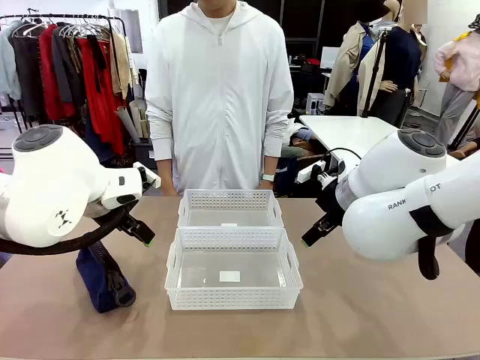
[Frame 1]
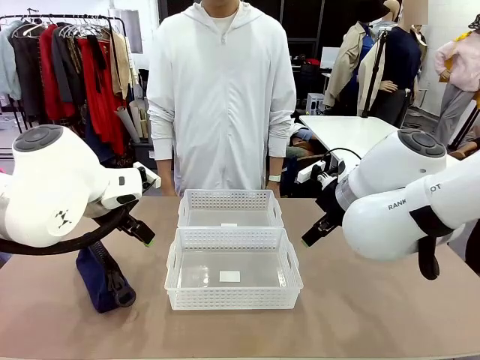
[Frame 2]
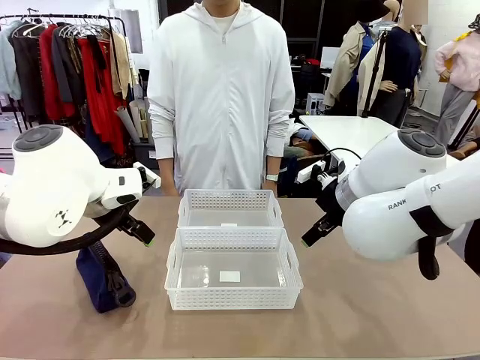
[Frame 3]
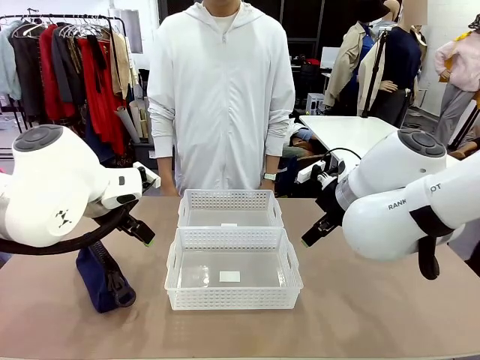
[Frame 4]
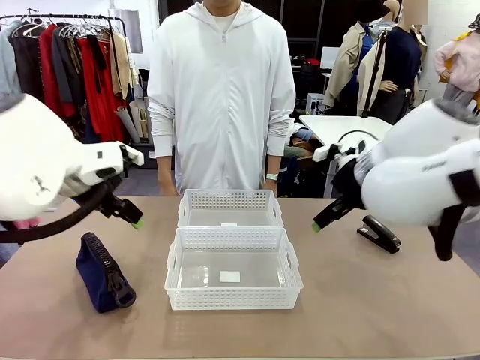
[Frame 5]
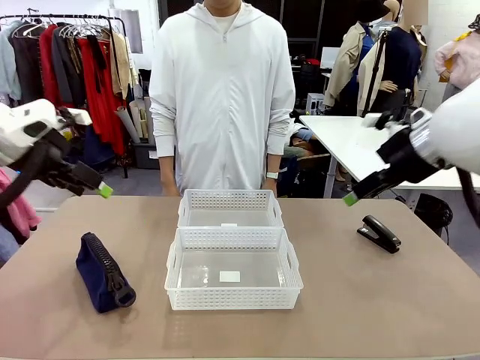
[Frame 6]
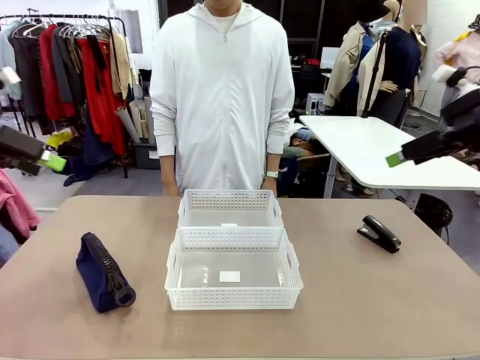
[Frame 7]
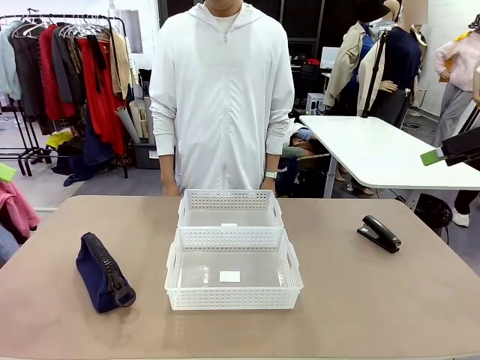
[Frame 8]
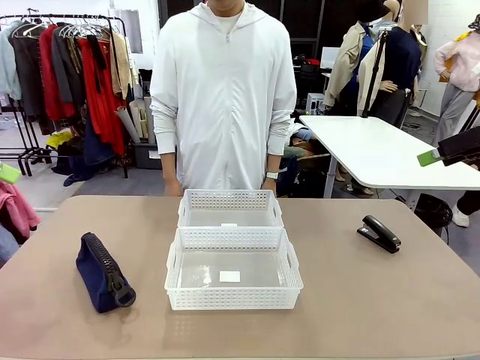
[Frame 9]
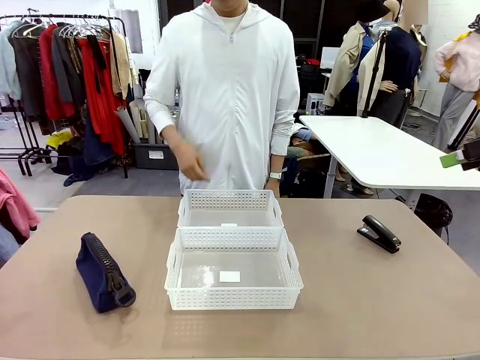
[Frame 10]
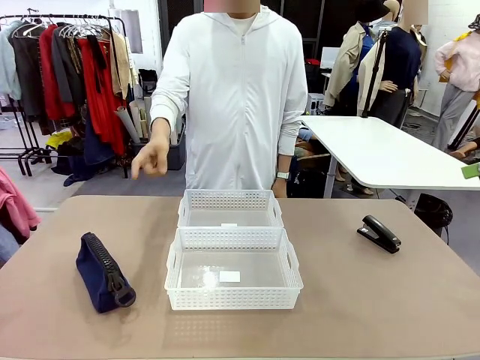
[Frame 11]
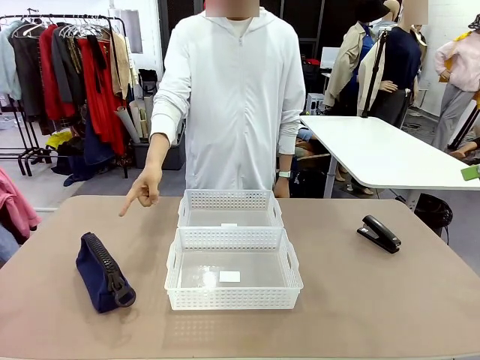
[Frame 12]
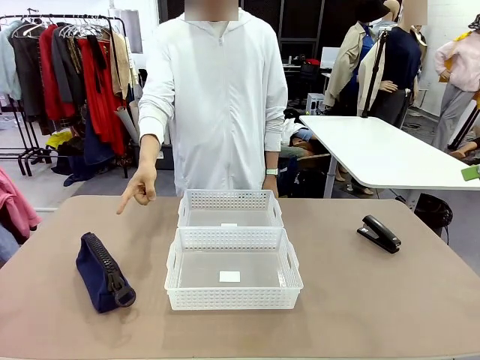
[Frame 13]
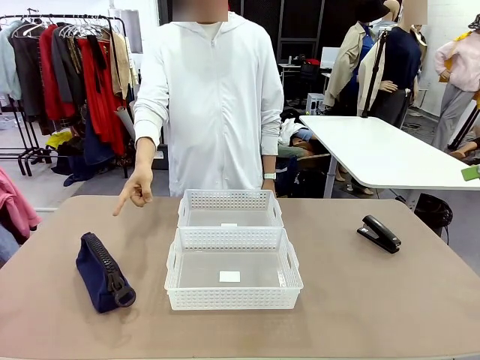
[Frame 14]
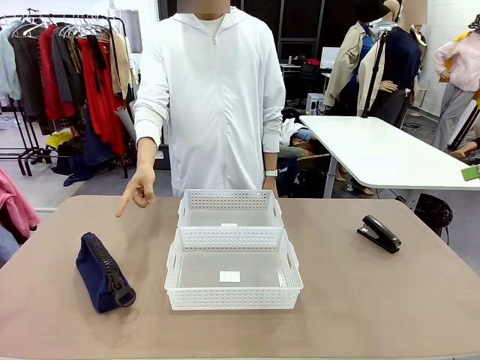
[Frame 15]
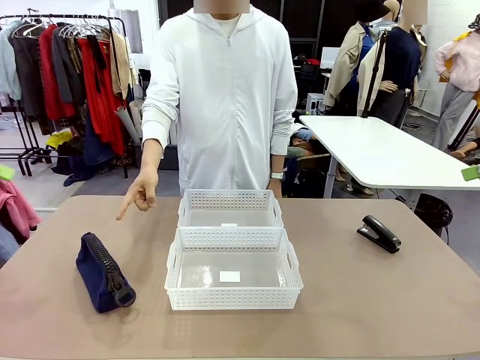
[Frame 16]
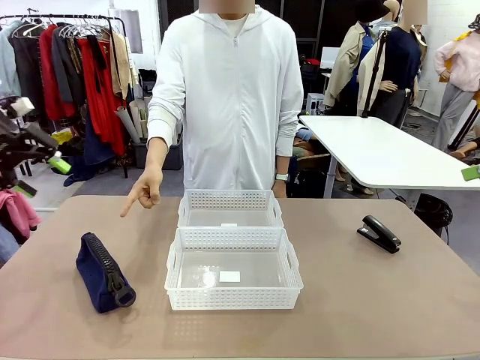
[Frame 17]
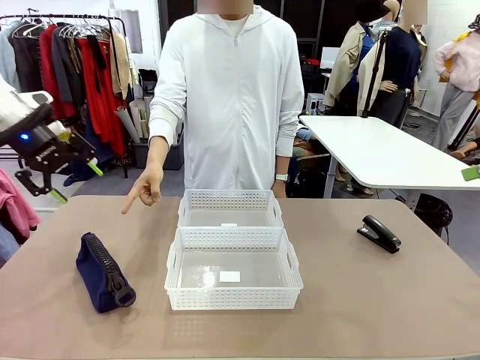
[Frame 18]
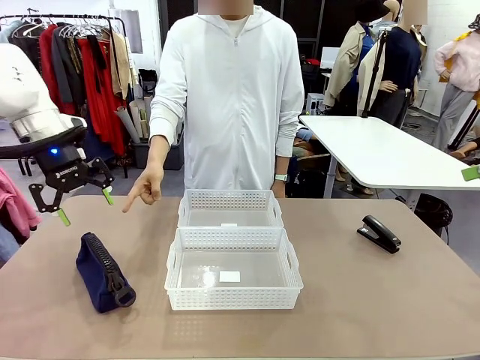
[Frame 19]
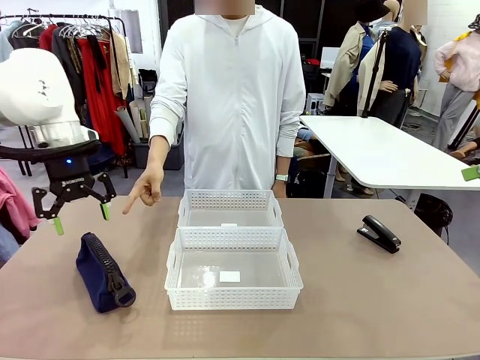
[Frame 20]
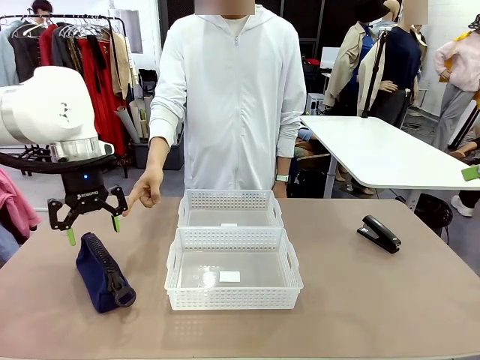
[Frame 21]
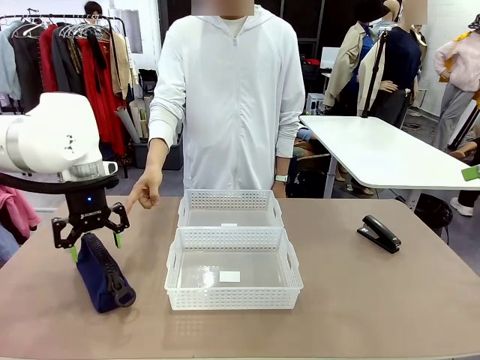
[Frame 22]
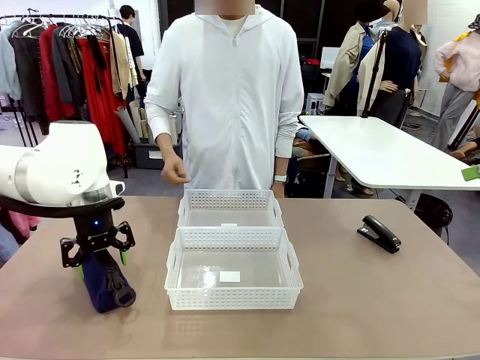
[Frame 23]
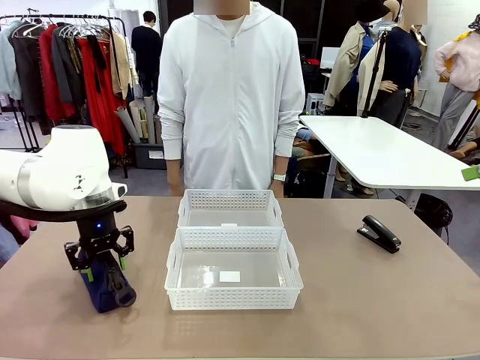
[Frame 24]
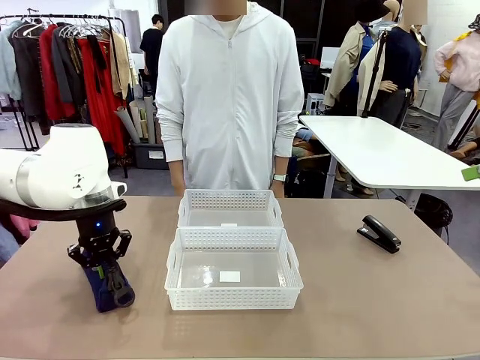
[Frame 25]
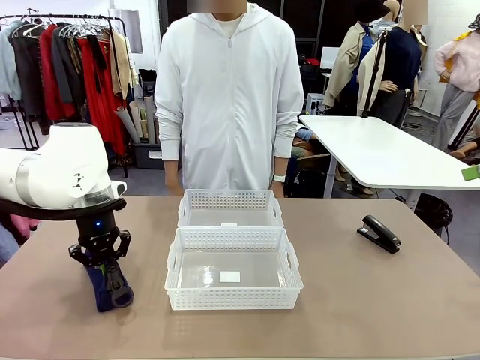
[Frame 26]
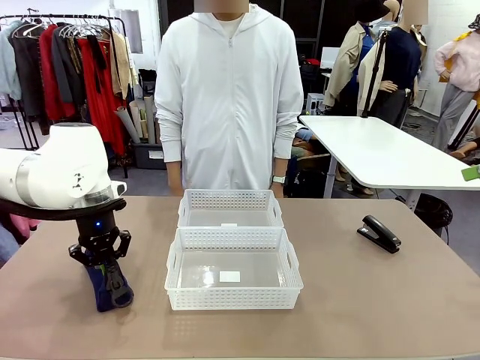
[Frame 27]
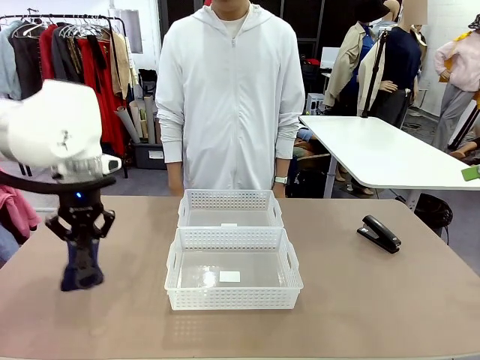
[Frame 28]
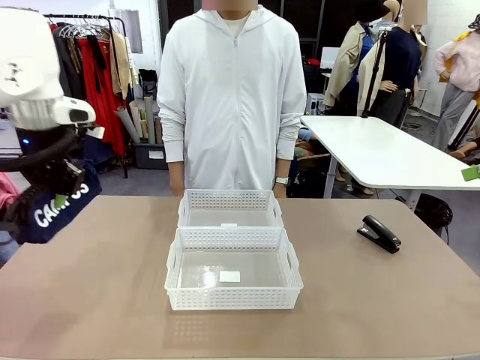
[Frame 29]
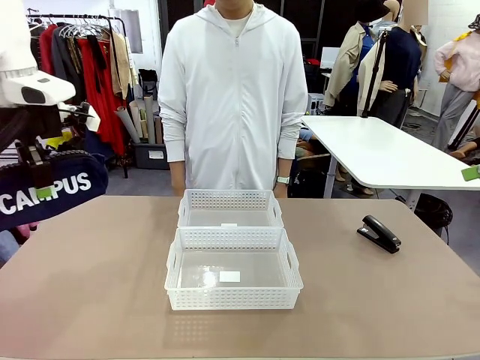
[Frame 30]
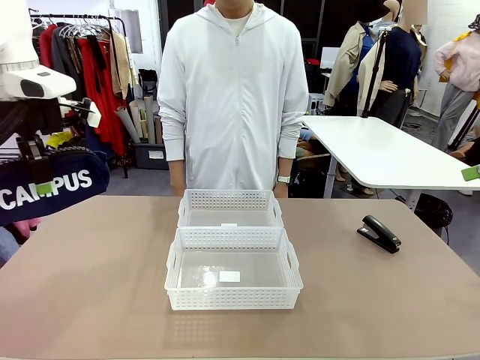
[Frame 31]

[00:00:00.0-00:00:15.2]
Task: Distribute items into two baskets.
Robot: Pick up the Pencil pouch that the person points to.
Person: Points to the pencil case. Points between the two organizing baskets and instructs the robot to move the pencil case.

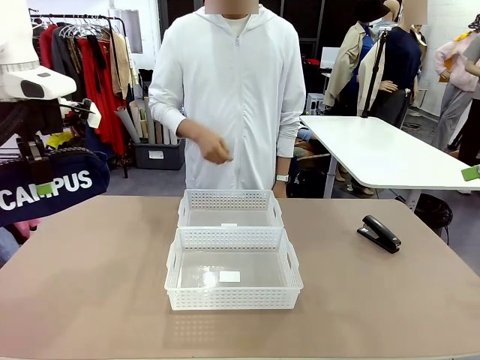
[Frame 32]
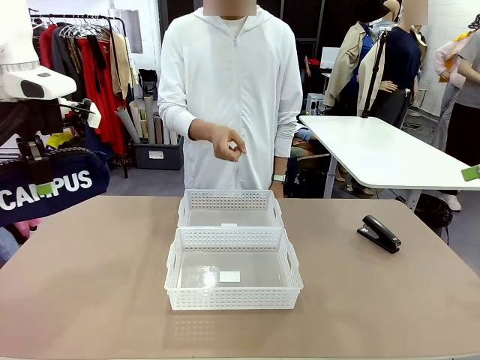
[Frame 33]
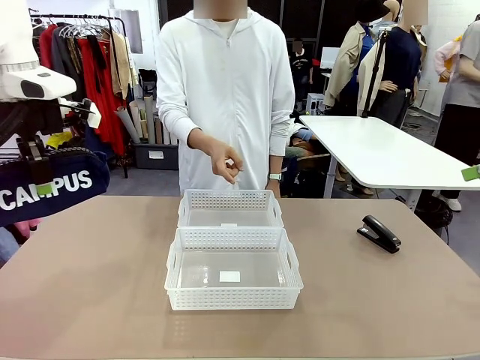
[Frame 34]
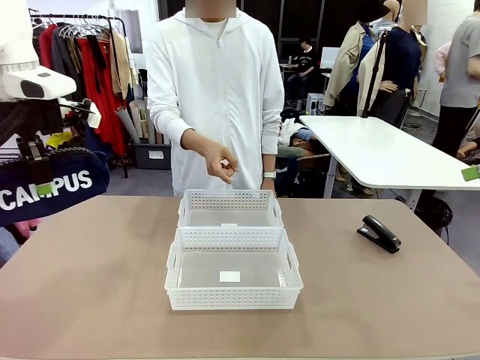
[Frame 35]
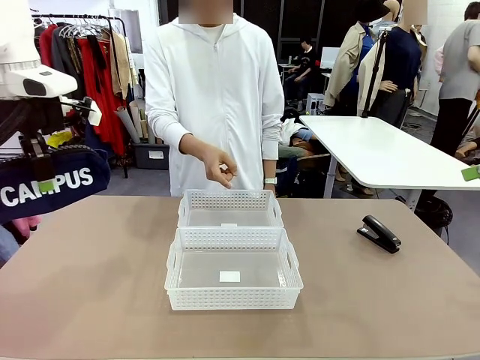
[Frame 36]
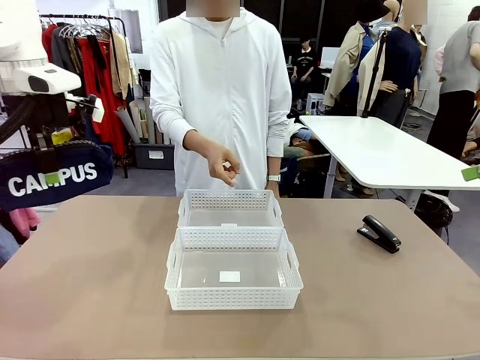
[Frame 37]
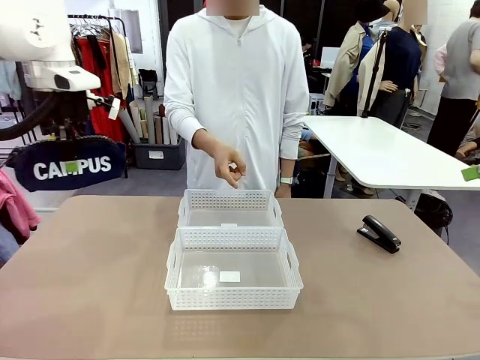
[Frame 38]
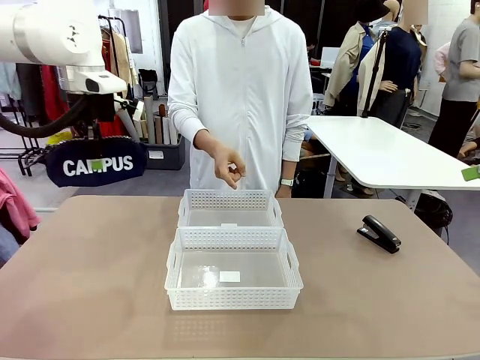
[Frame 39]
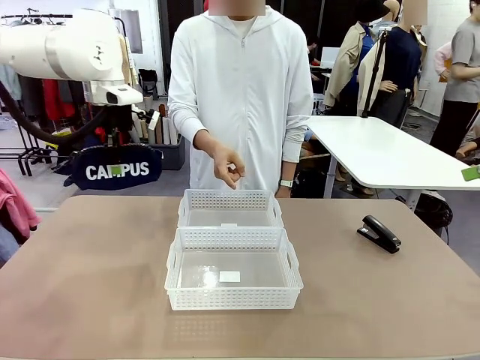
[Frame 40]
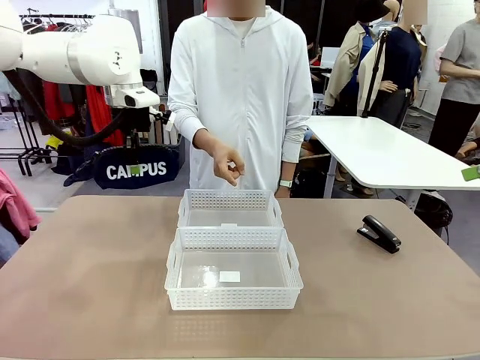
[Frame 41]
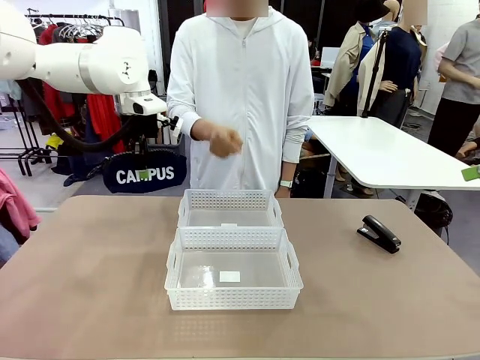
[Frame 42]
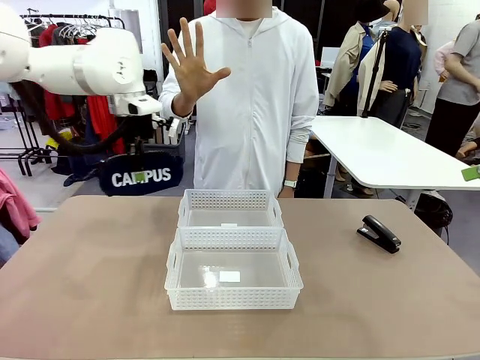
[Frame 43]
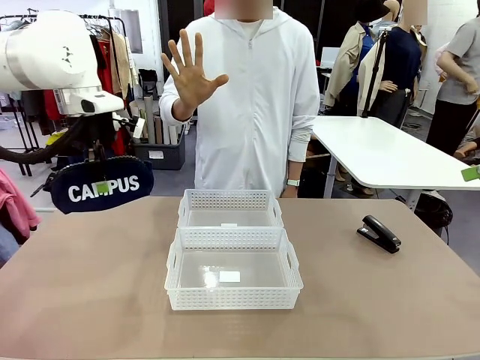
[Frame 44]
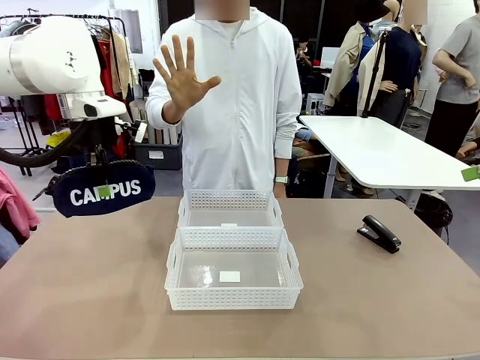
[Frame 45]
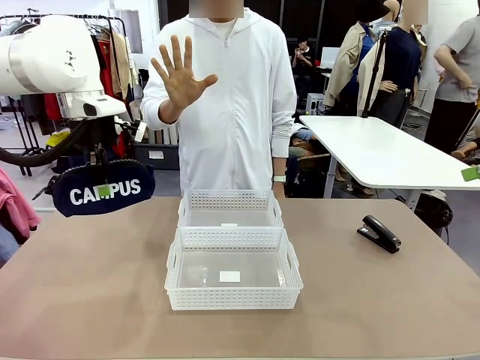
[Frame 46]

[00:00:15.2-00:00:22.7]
Robot: Move the picked Pencil pouch towards the Organizing basket indicated by the person, stopping as directed.
Person: Sends a stop gesture before the robot places the pencil case into the basket.
